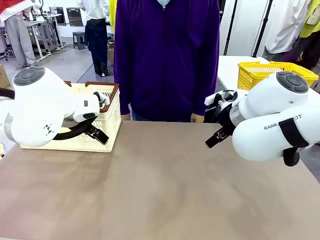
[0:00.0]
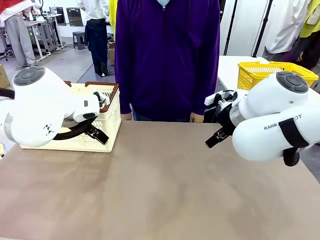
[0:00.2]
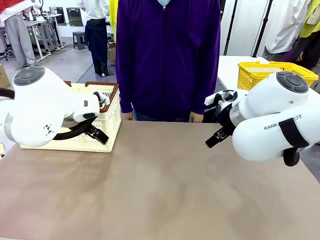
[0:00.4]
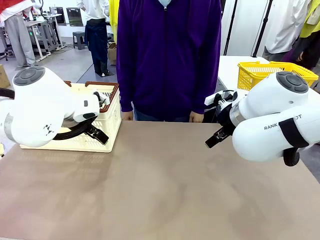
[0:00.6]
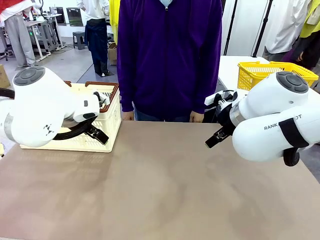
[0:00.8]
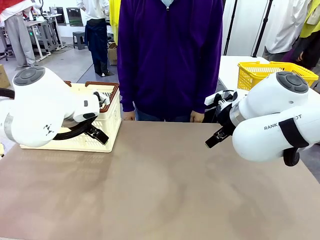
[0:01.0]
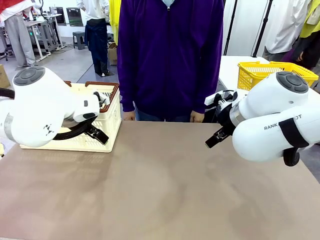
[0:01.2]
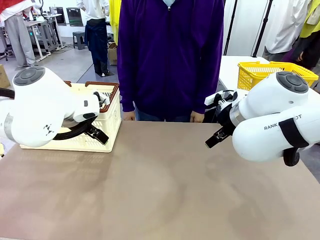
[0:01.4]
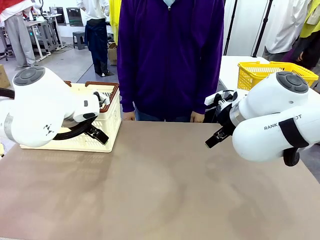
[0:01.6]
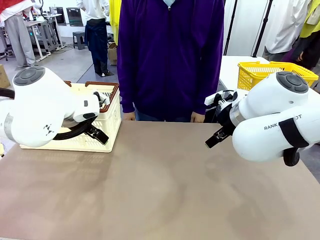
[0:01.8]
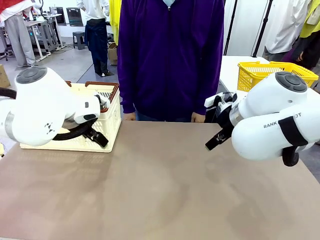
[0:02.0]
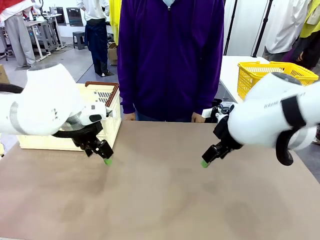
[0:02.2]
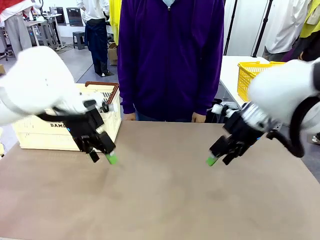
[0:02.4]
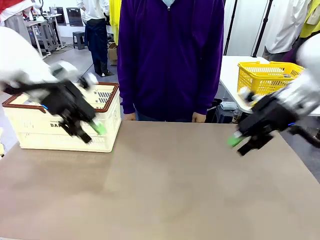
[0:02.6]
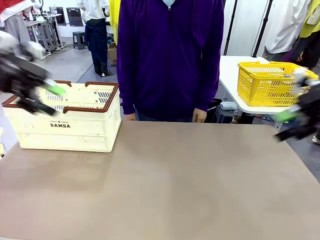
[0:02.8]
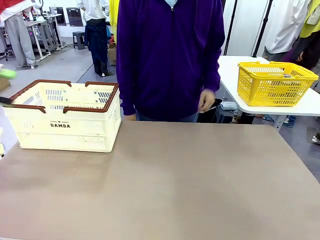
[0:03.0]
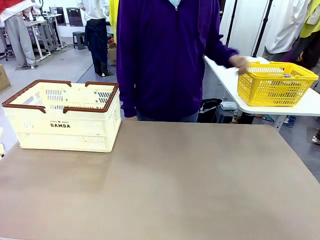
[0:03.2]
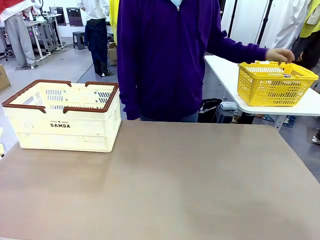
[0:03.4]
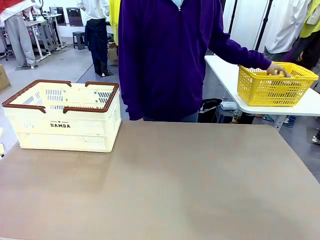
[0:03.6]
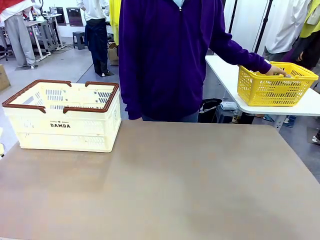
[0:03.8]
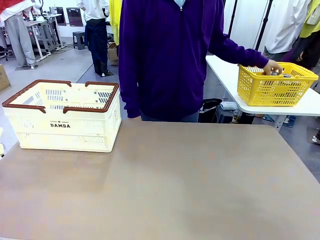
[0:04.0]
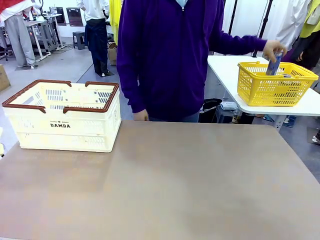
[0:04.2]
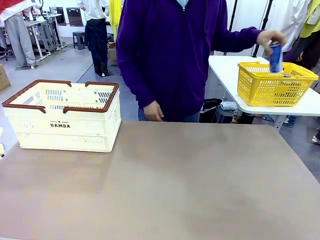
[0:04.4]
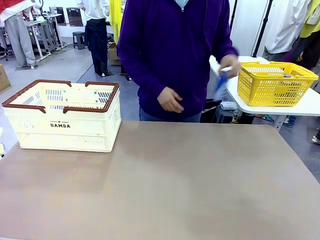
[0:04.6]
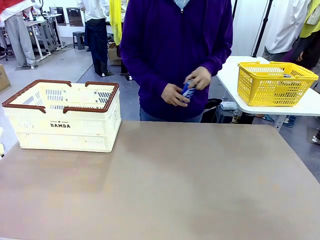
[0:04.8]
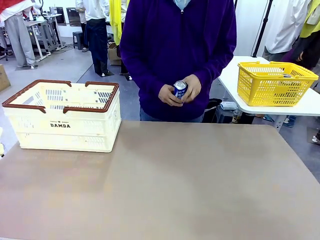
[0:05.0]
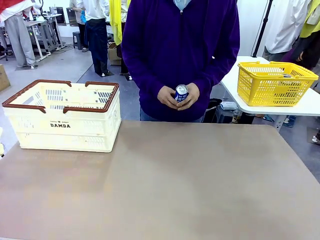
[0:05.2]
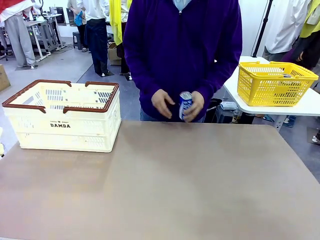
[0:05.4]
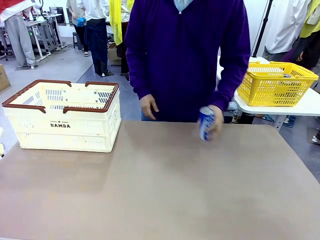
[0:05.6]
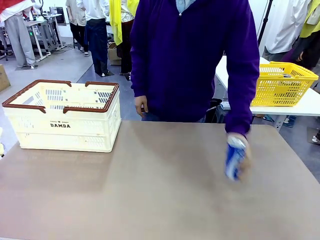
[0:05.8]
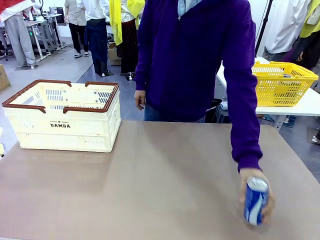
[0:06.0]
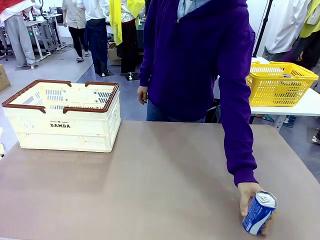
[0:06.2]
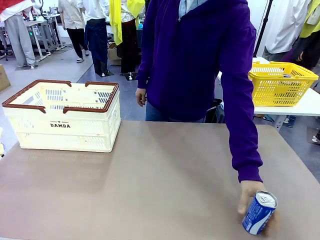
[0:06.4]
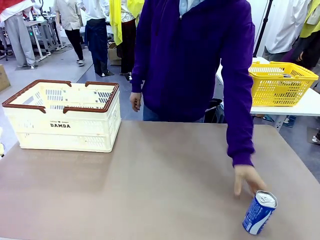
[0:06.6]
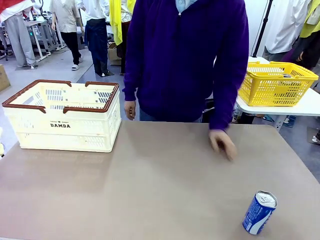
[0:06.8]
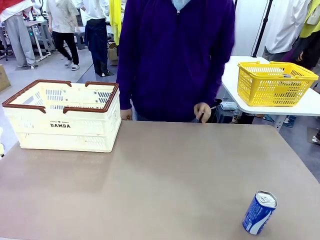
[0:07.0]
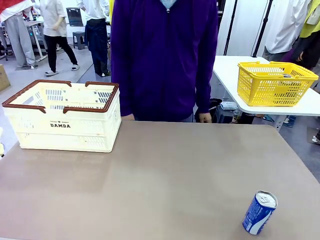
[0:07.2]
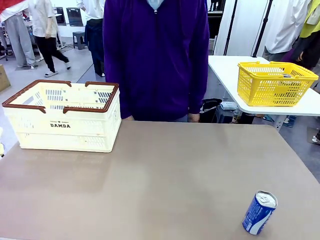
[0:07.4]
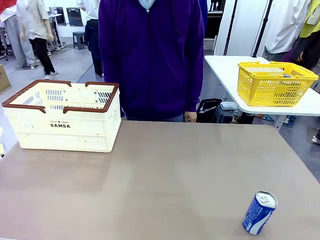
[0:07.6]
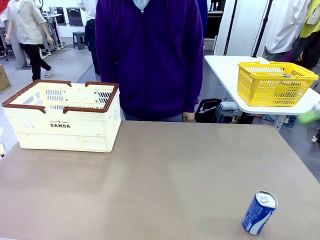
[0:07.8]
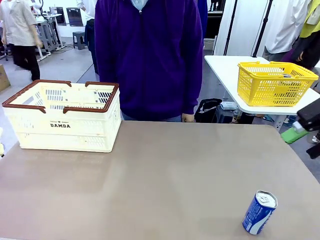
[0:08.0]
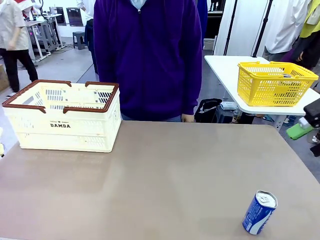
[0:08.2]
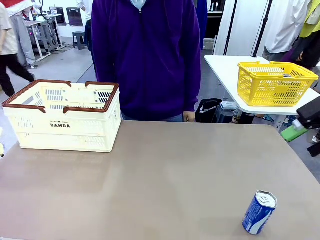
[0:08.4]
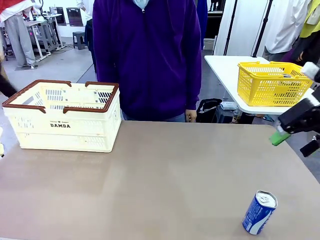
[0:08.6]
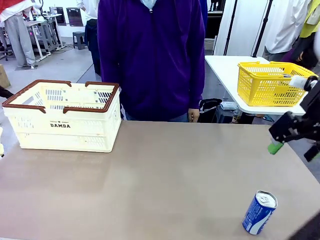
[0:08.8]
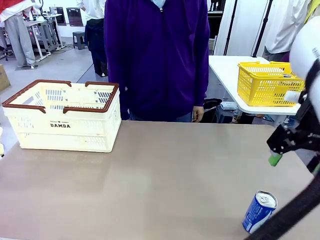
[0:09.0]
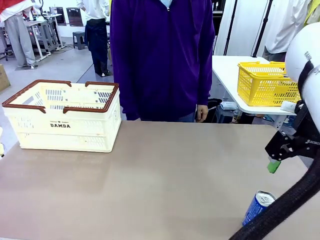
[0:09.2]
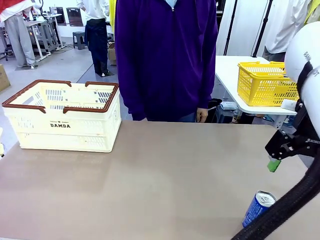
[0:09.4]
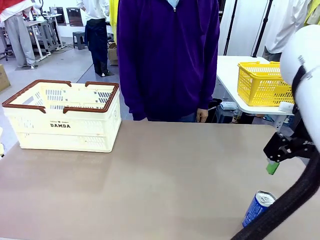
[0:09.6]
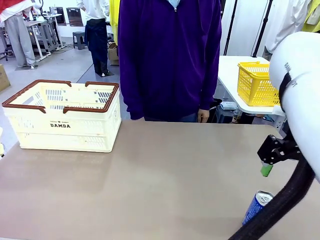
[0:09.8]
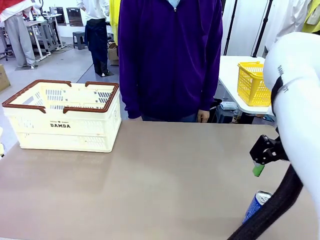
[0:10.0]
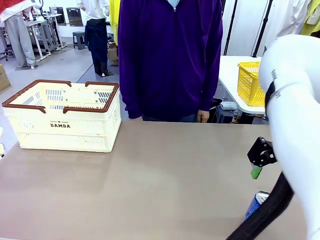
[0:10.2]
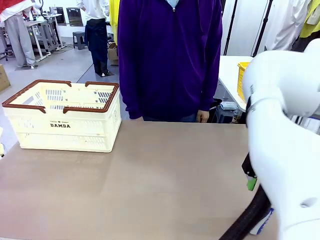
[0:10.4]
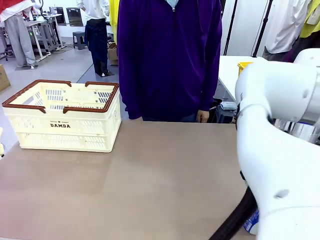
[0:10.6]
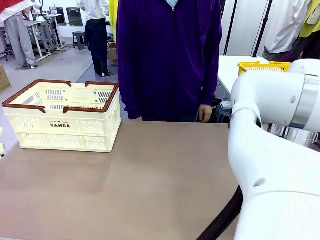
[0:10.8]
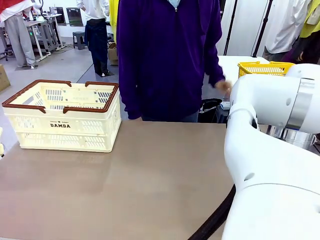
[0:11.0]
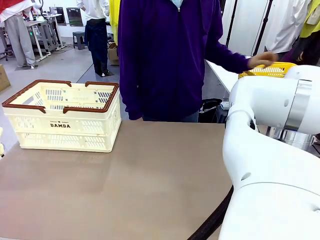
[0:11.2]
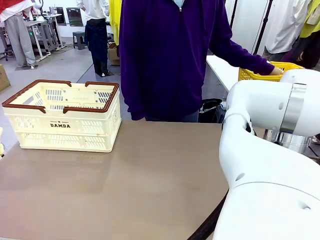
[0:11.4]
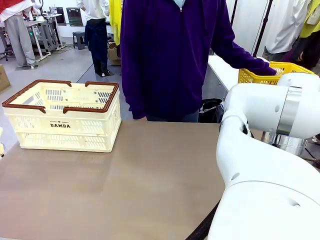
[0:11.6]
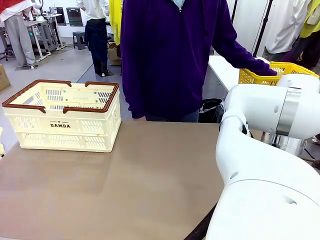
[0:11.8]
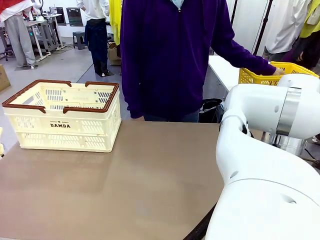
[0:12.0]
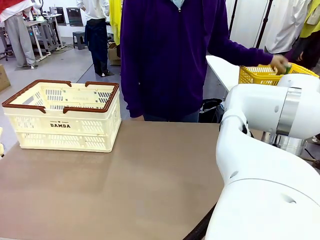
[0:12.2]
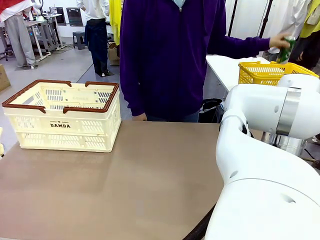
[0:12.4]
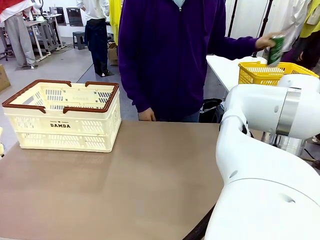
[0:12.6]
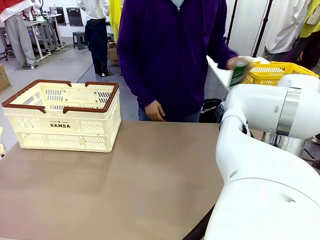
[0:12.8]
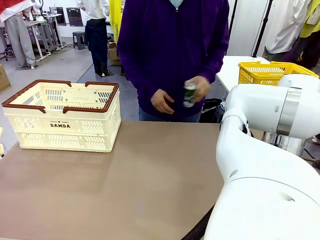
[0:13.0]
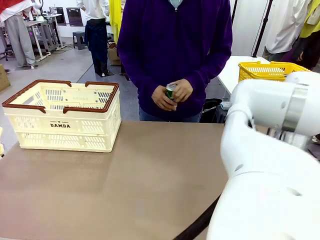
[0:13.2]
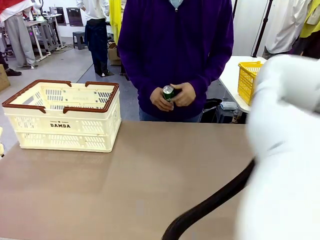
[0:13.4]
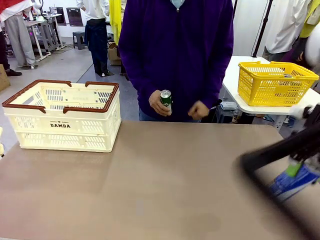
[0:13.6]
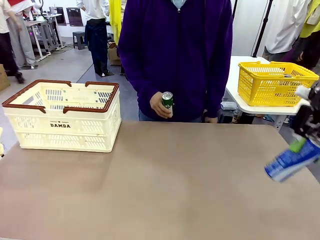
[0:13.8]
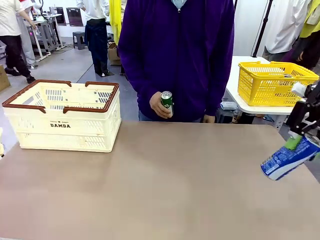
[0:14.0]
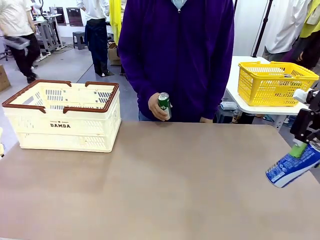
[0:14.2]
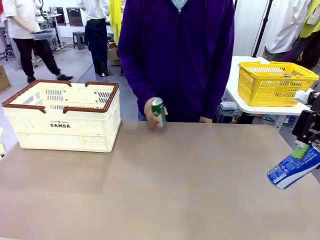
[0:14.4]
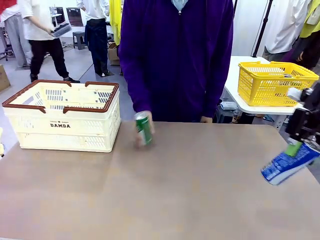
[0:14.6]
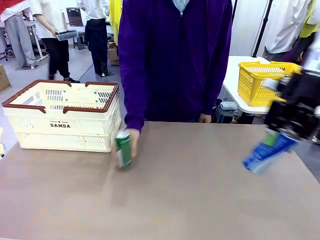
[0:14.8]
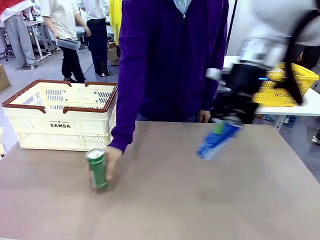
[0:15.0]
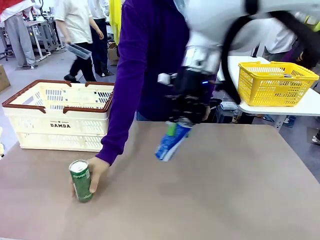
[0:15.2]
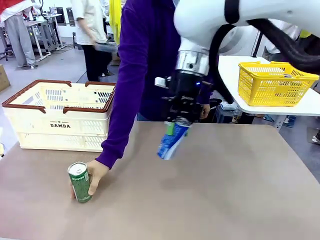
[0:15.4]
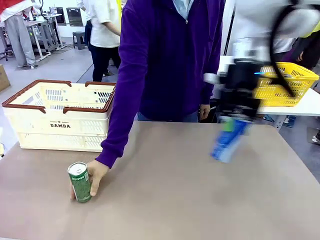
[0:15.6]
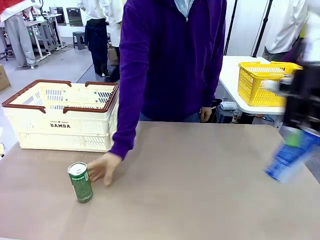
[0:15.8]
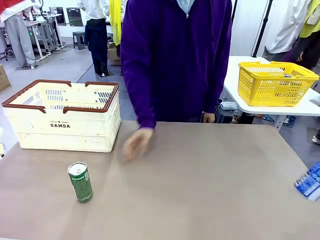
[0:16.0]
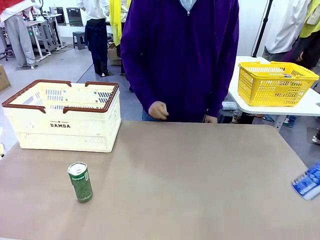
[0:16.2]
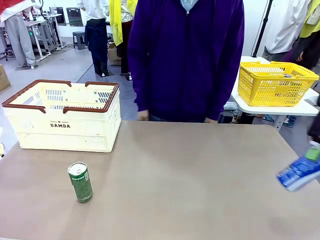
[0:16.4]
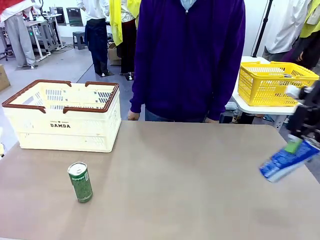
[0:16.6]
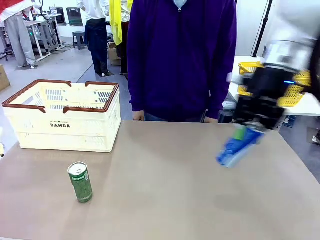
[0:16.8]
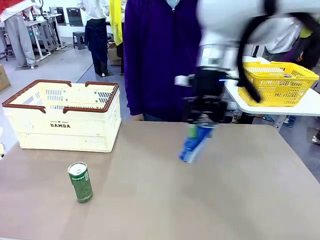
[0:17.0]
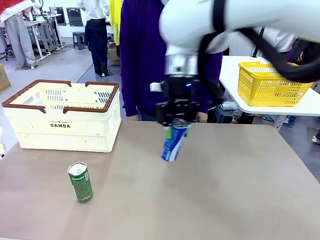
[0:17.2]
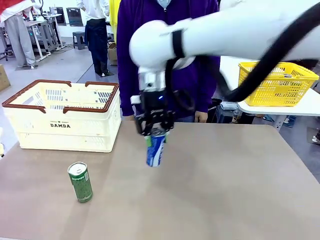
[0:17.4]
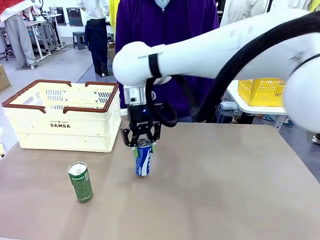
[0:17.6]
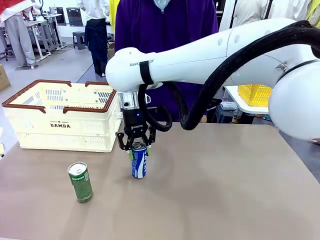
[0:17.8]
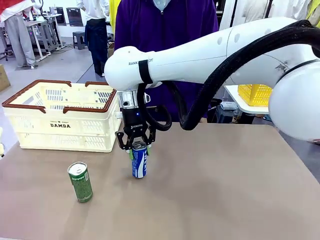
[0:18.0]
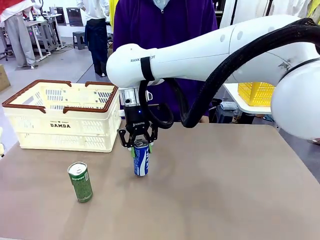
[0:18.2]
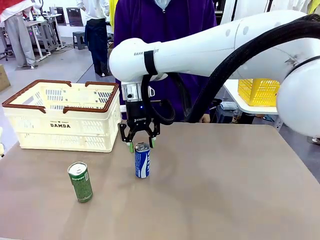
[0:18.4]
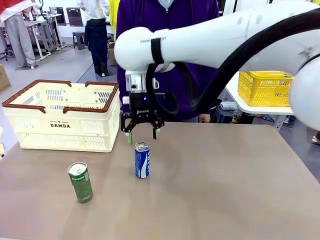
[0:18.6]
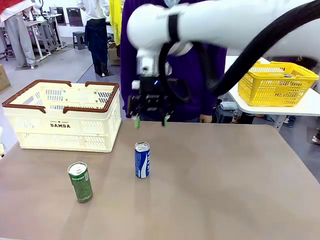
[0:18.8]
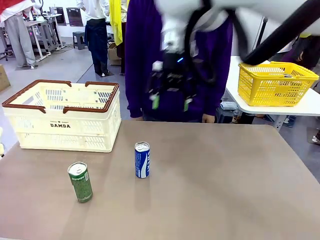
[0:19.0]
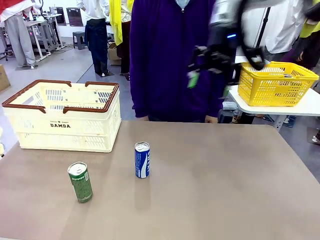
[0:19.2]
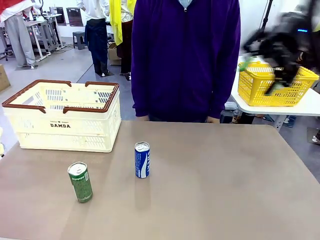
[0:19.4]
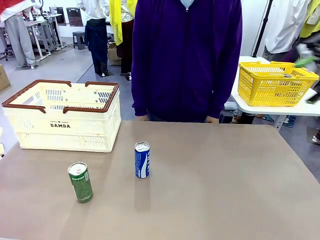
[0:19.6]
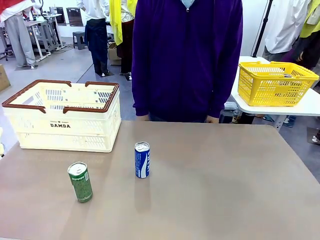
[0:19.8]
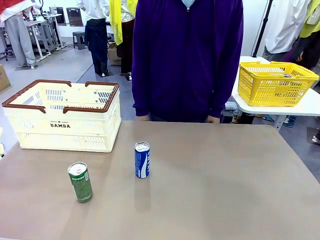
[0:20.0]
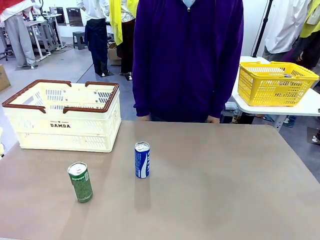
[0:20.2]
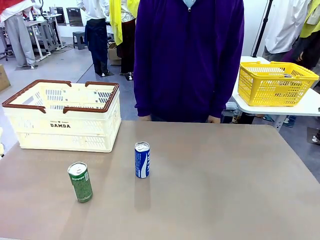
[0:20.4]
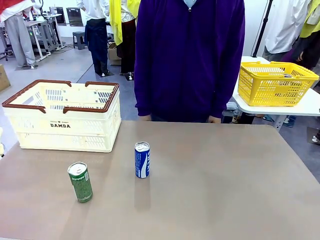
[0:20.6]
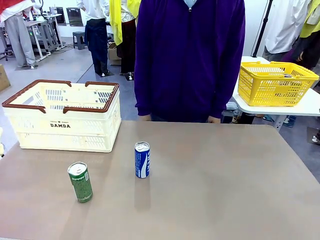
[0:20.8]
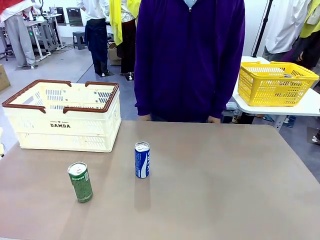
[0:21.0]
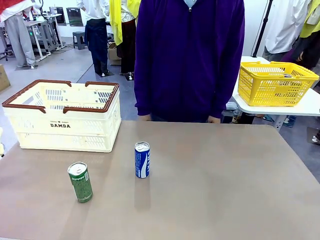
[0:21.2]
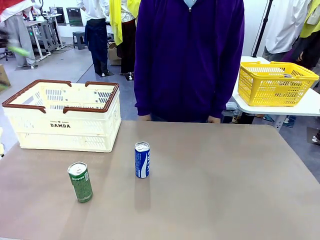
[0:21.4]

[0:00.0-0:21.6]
Task: Place the drinks into the Shopping basket.
Robot: Pick up one drink and place it into the Shopping basket.
